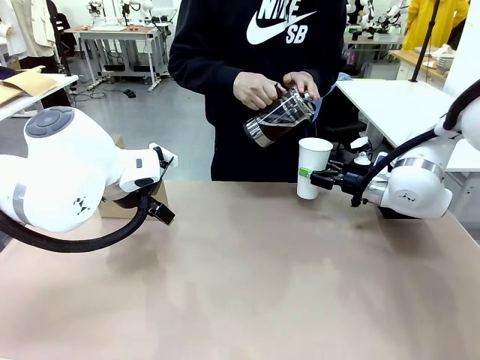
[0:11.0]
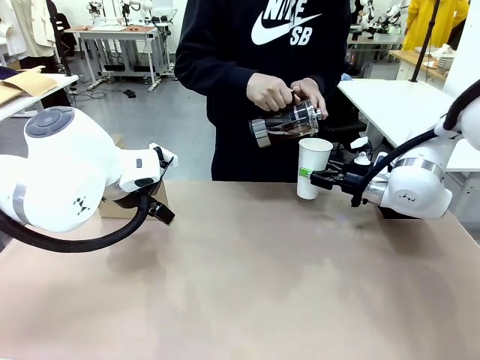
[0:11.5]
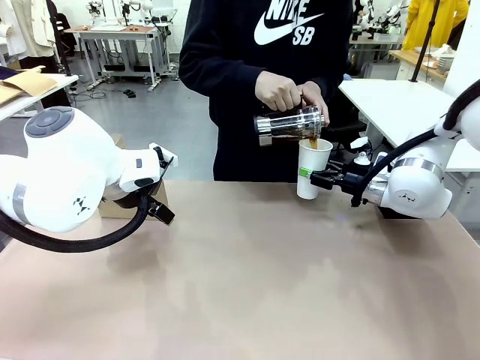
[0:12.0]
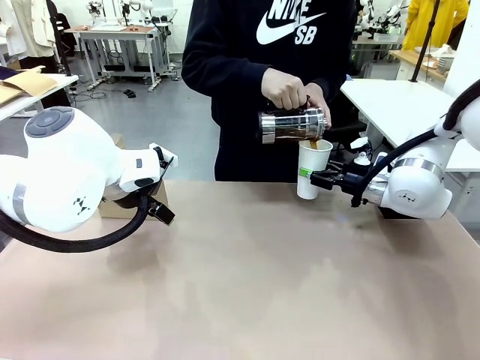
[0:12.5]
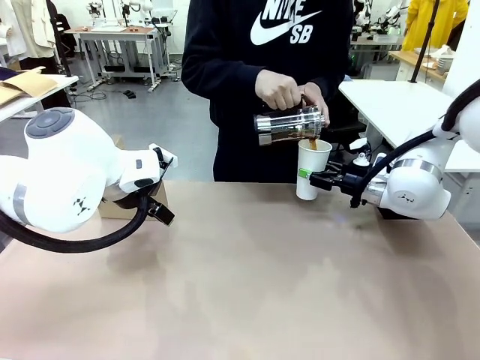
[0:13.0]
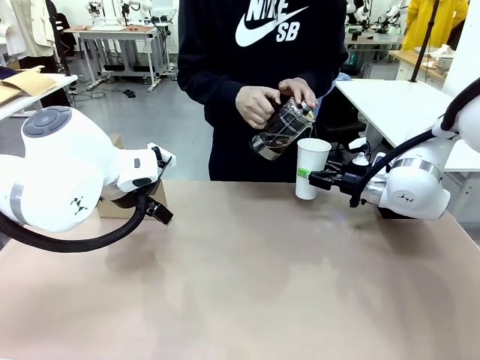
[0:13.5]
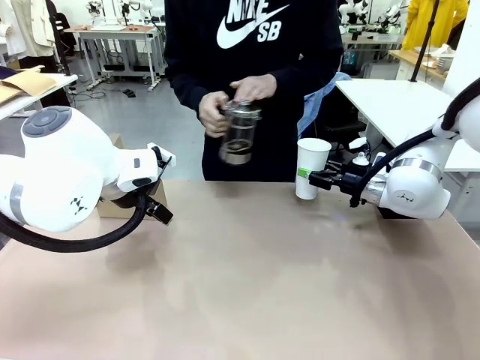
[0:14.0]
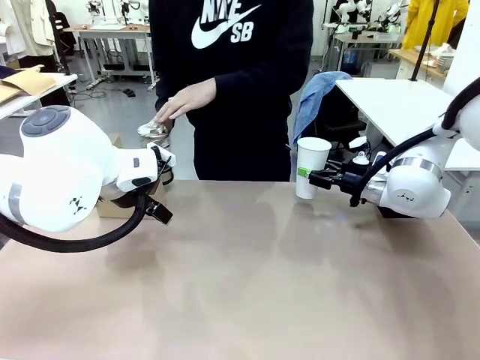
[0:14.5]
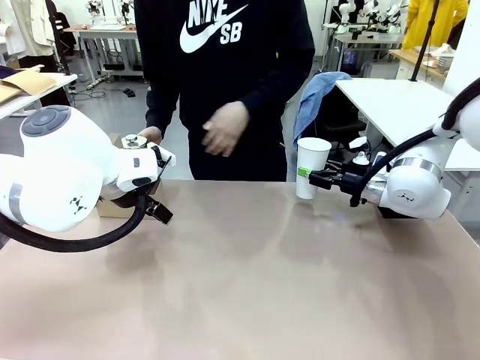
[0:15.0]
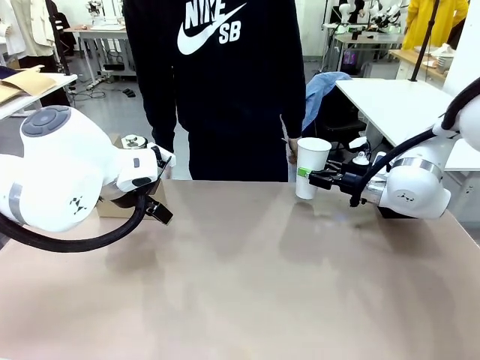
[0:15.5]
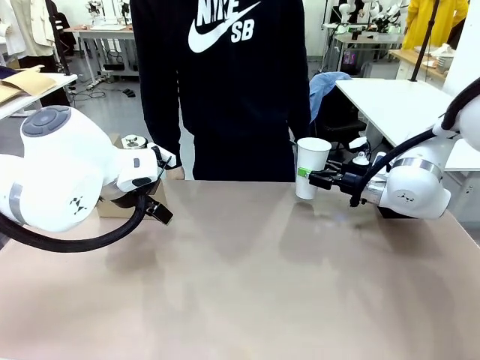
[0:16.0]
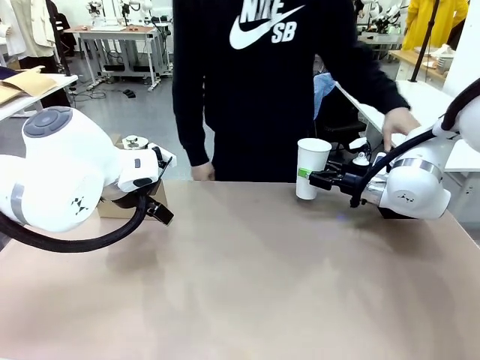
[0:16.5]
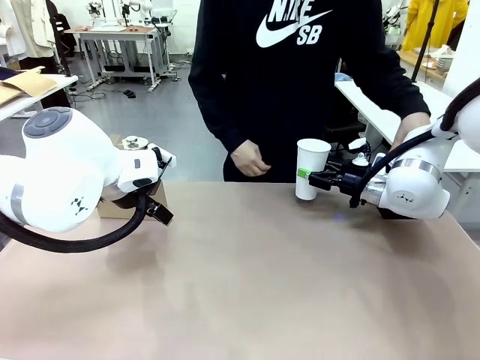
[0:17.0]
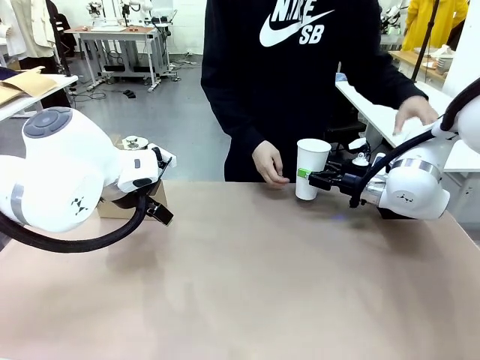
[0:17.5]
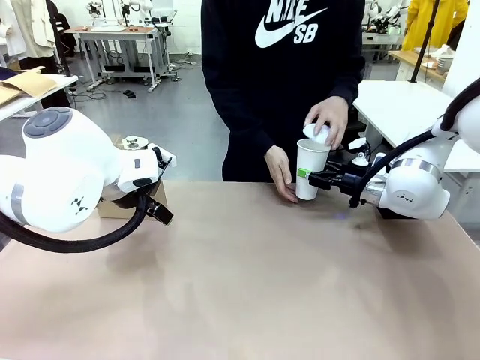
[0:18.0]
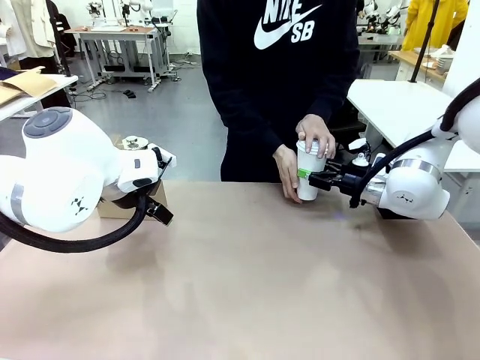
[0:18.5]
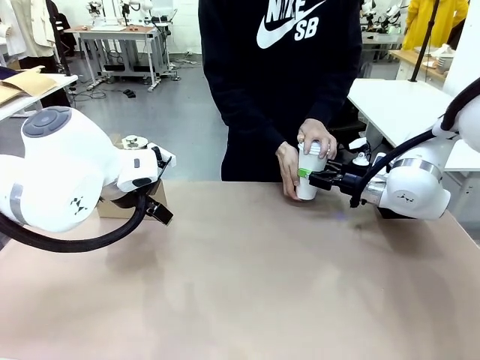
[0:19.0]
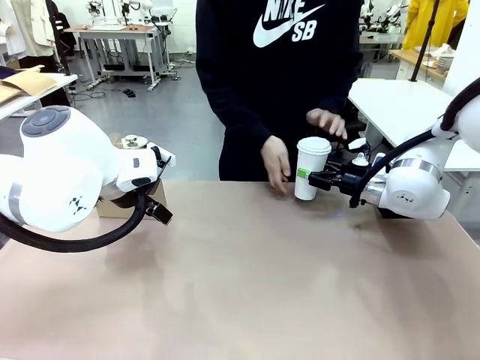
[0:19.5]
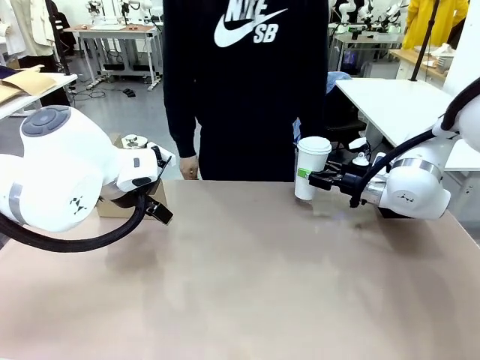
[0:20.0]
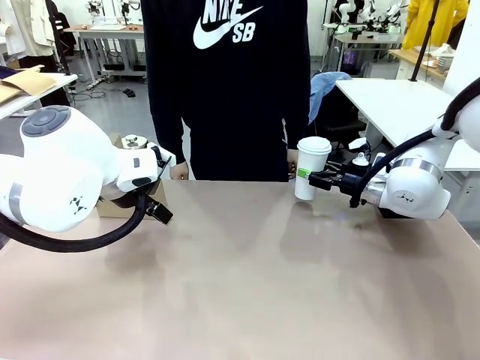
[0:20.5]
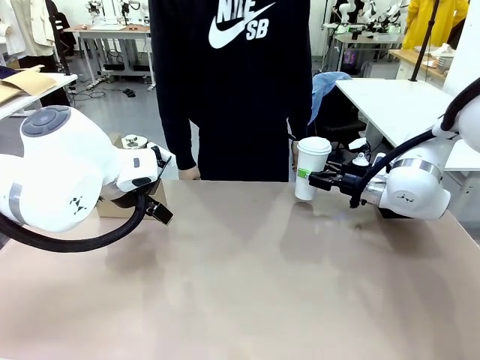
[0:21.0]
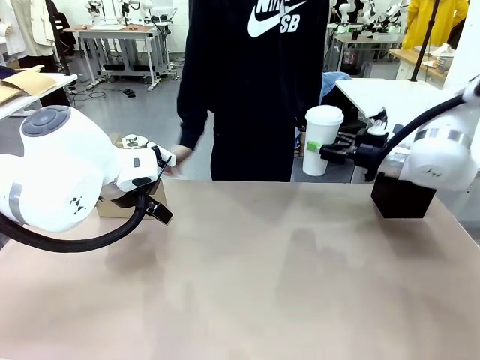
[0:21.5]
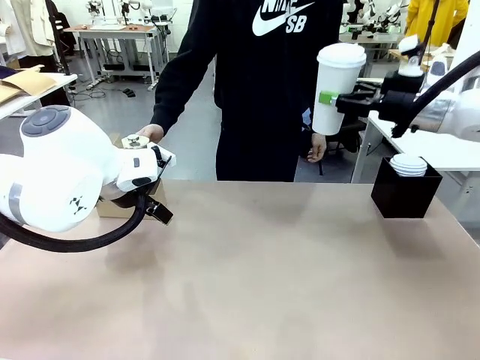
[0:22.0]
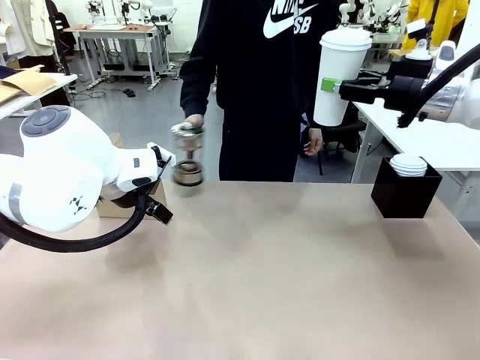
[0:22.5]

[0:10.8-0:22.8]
Task: Pour a drink into a cup and package it in a carrier.
Robot: When a person places the Paper Cup Lid on the 600 ml Paper Cup , lift the 600 ml Paper Cup.
Person: Place a Paper Cup Lid on the 600 ml Paper Cup.

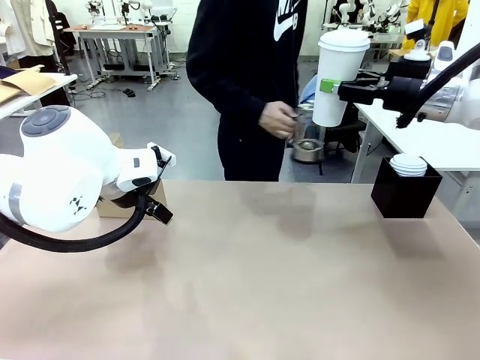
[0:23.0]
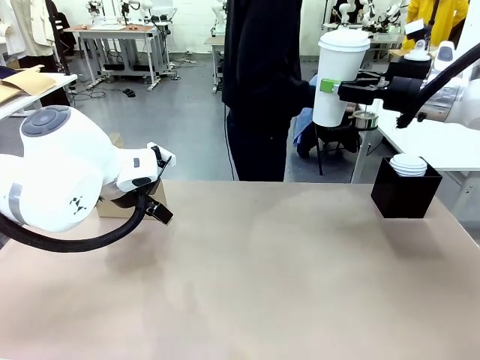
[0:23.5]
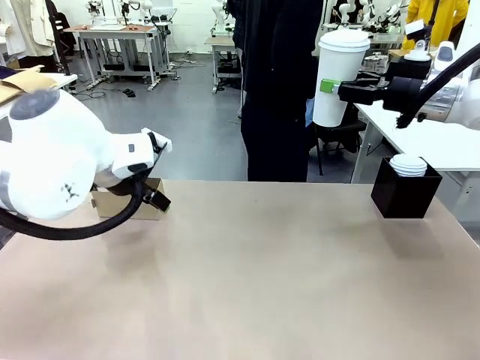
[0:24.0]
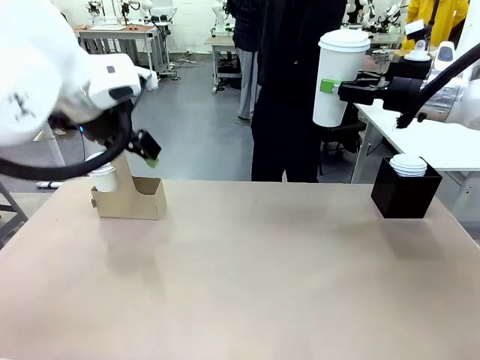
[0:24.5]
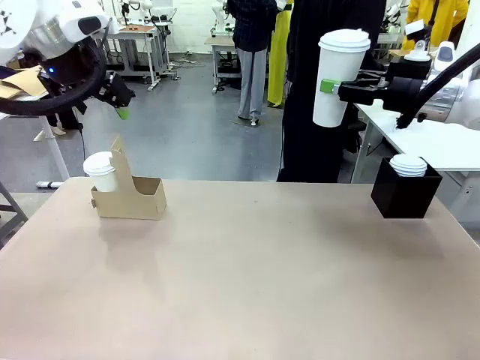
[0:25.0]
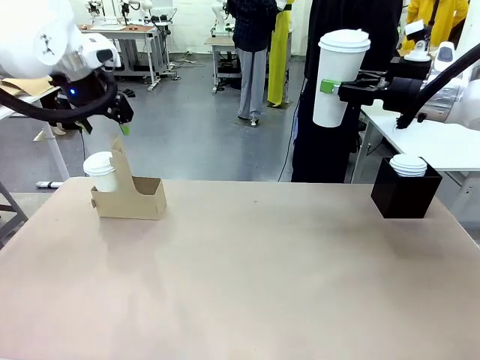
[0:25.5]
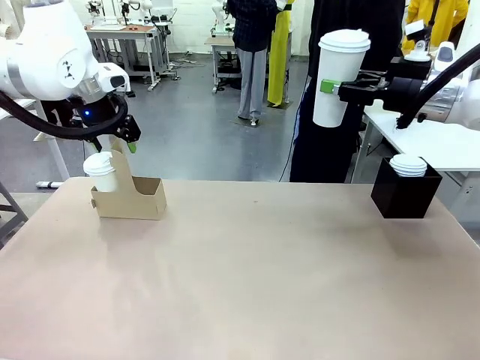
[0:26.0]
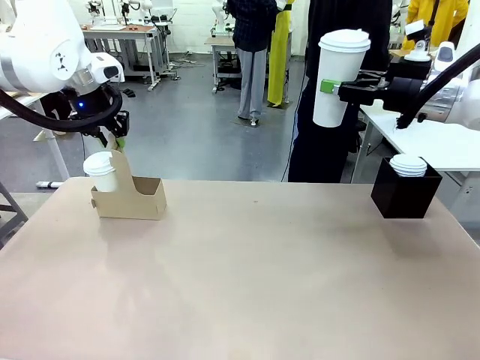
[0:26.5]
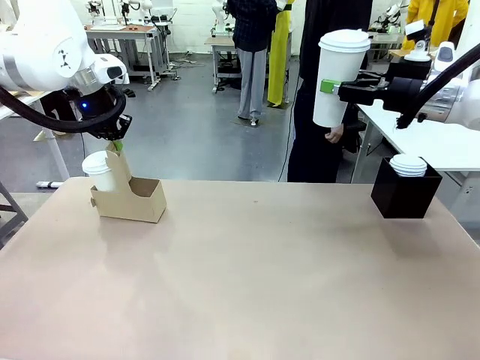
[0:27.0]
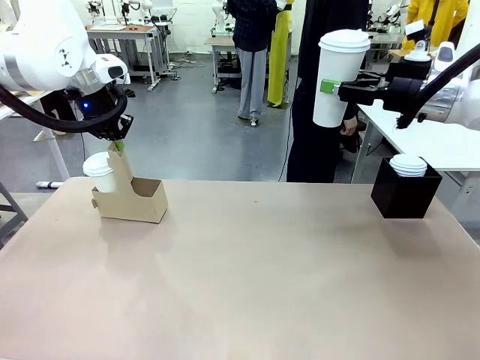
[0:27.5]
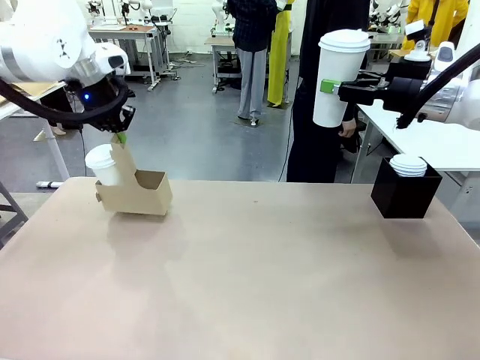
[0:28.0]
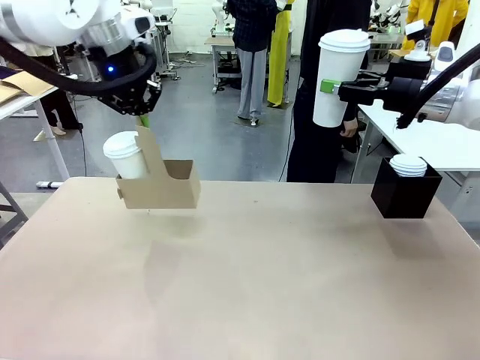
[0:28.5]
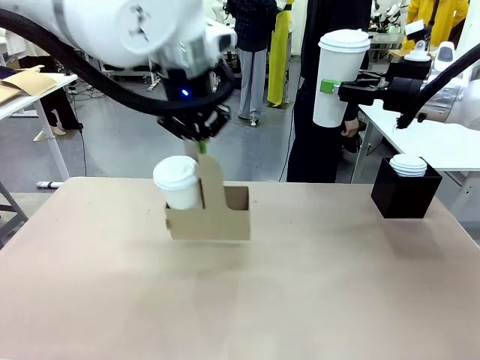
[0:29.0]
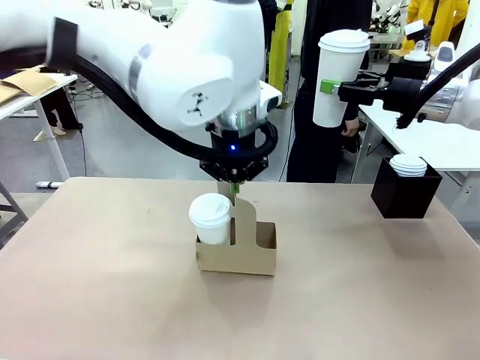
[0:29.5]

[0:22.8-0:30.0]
Robot: Position the Cup Carrier in the center of the table.

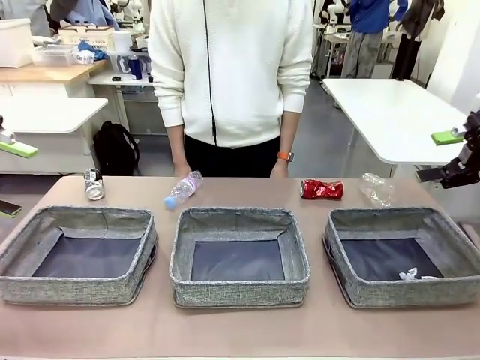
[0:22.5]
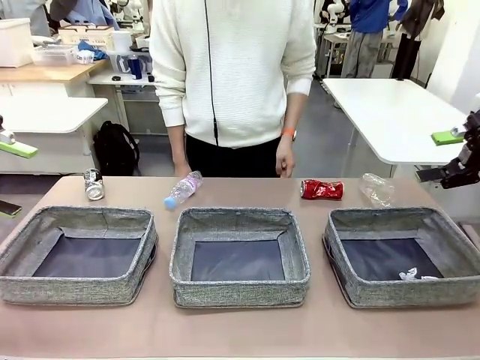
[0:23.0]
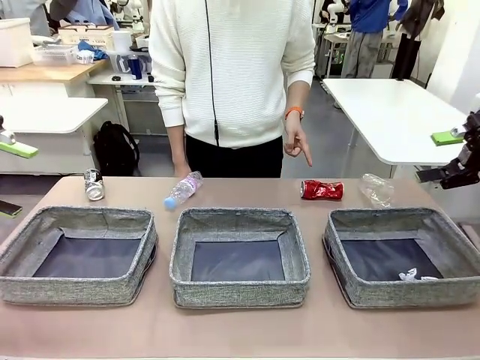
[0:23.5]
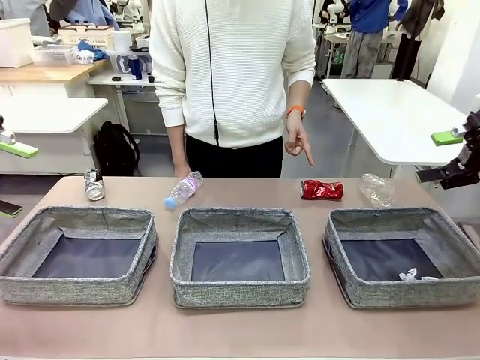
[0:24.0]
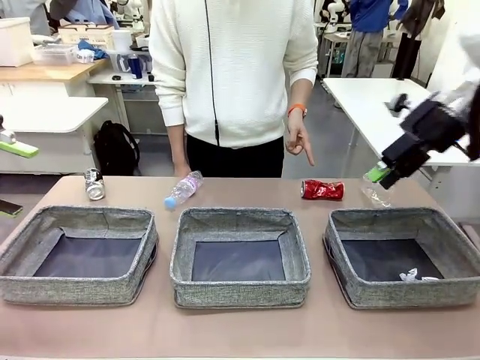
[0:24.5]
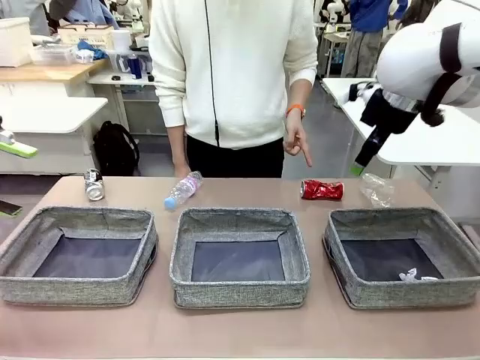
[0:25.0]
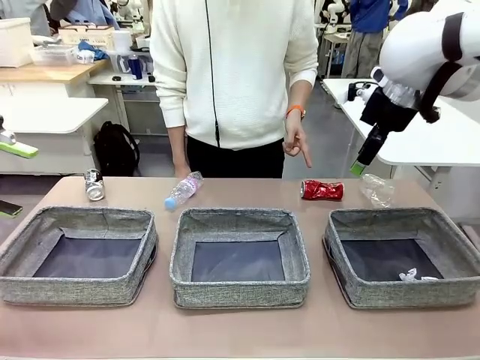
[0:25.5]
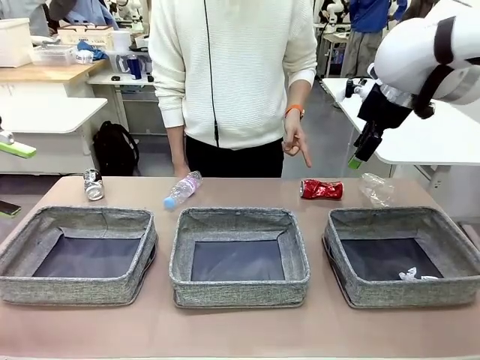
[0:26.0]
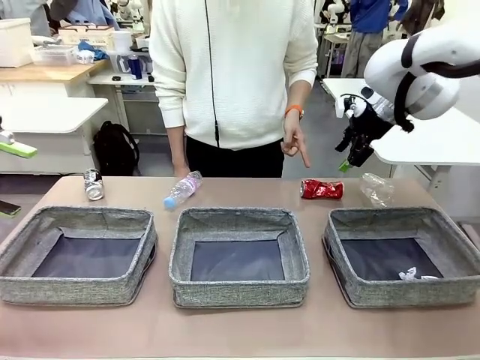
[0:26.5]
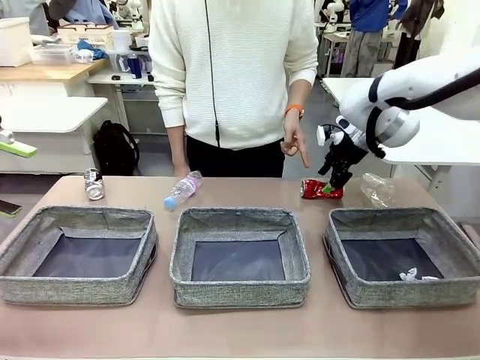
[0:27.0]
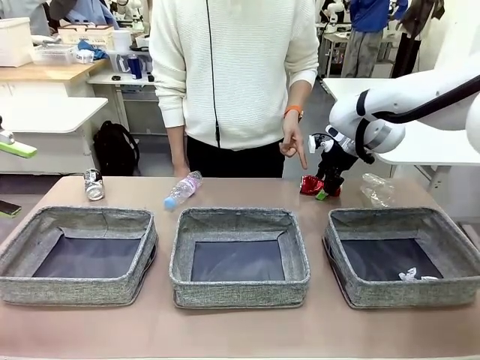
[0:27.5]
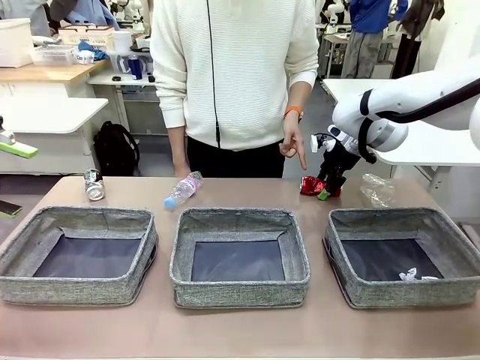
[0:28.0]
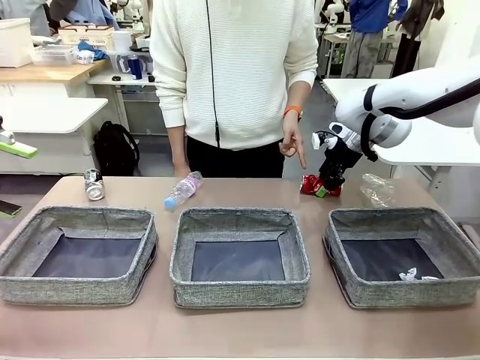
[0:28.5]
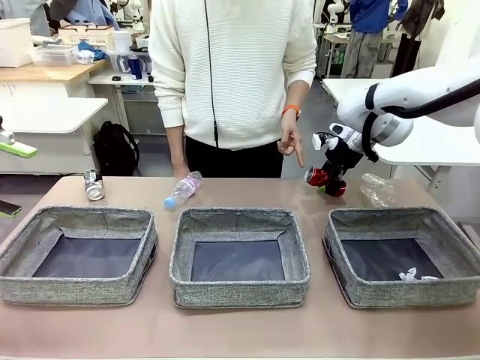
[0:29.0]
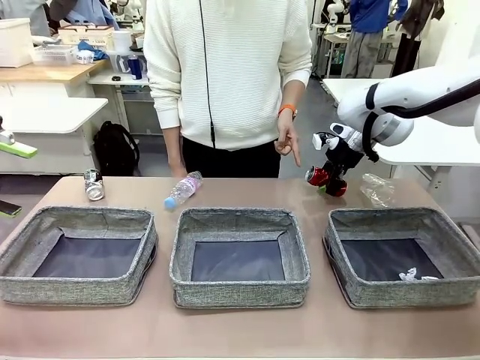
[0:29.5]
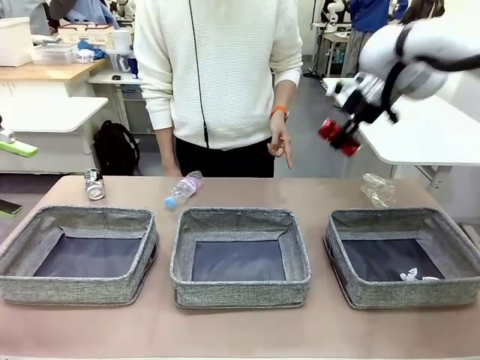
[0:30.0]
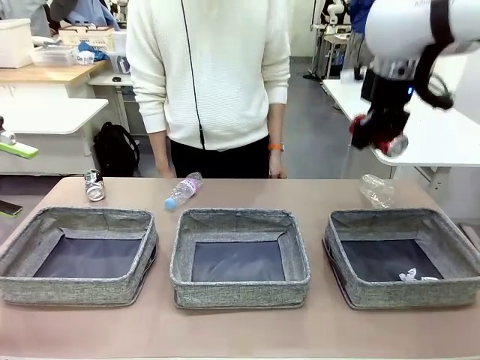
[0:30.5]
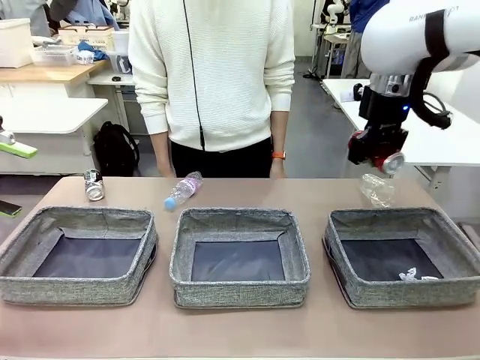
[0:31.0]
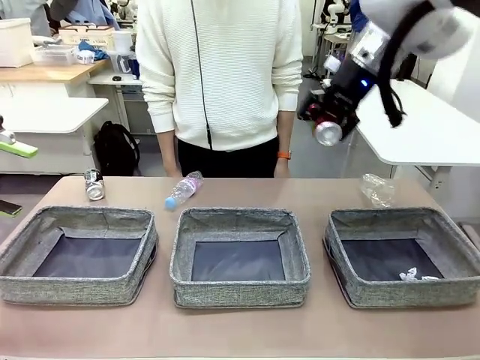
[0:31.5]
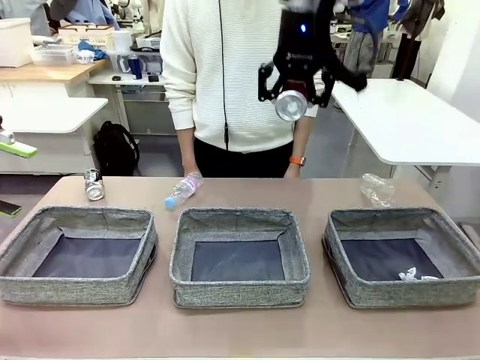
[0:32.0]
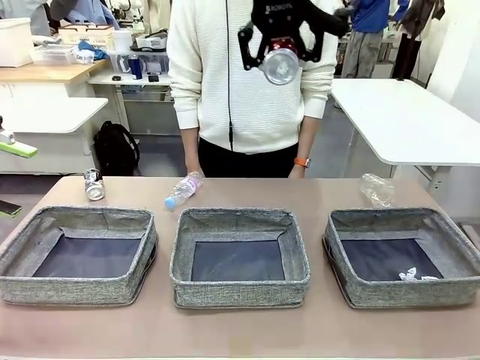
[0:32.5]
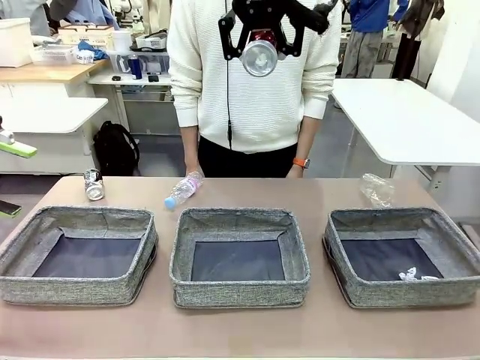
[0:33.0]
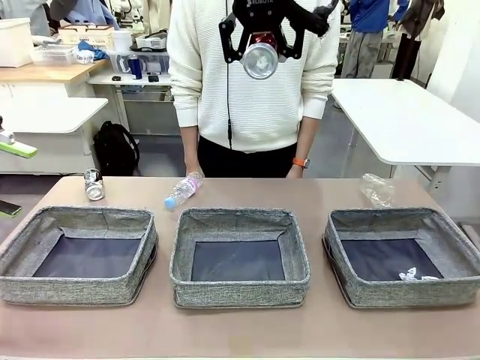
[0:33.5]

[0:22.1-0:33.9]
Task: Sort the waste into the appropriate baskets.
Robot: Pick up the waste item pointed out by the person.
Person: Points to one piece of trash on the table.
